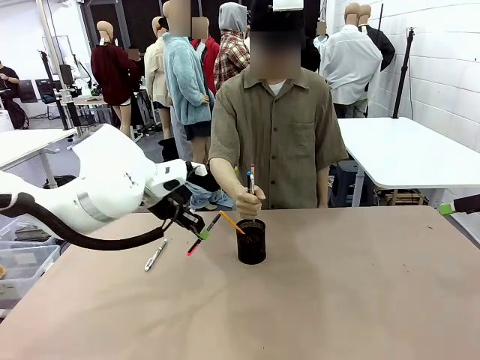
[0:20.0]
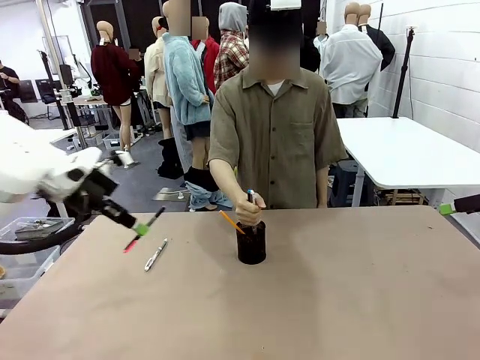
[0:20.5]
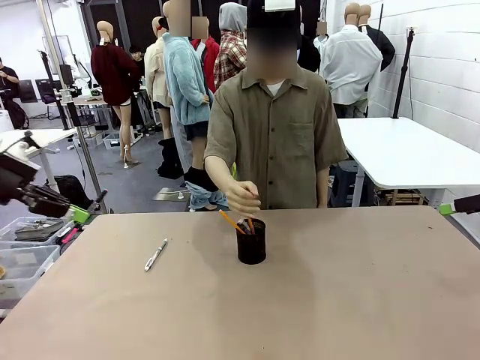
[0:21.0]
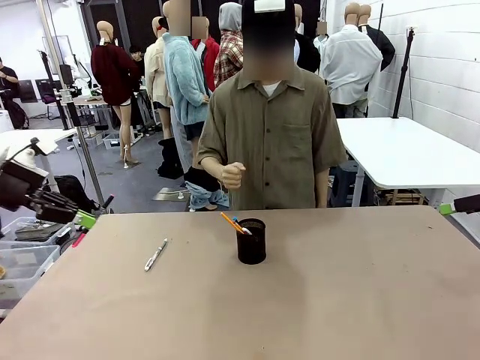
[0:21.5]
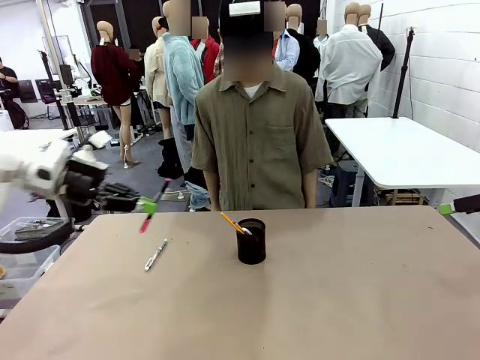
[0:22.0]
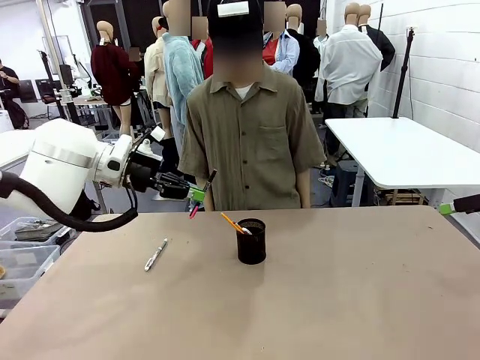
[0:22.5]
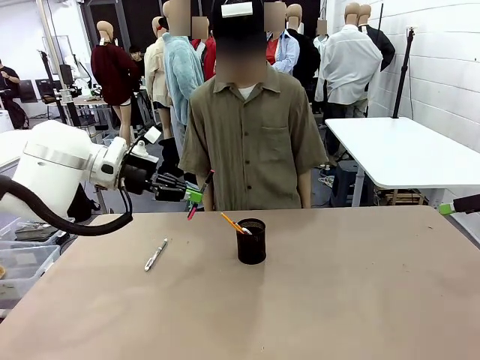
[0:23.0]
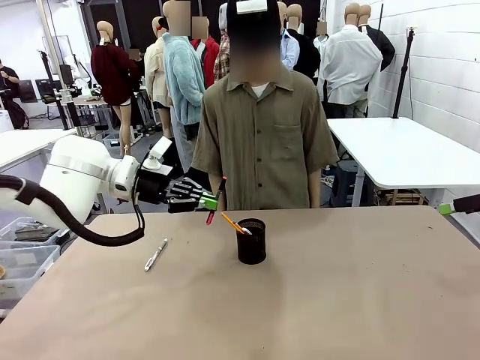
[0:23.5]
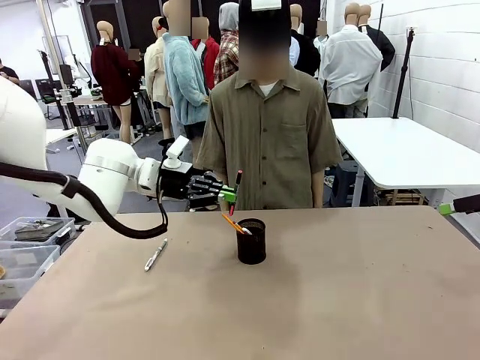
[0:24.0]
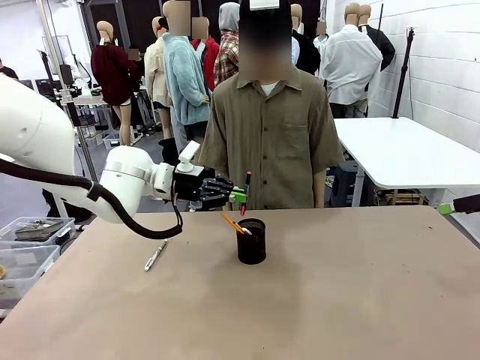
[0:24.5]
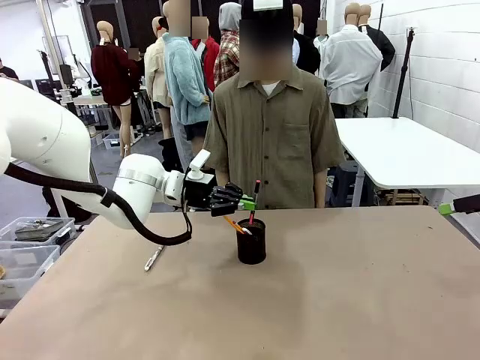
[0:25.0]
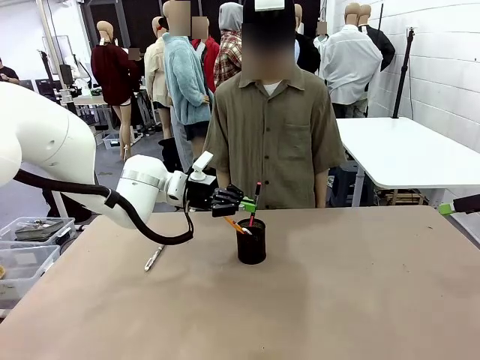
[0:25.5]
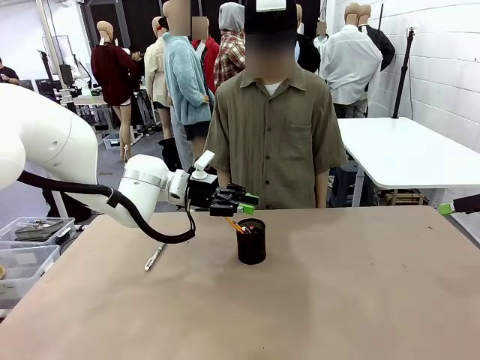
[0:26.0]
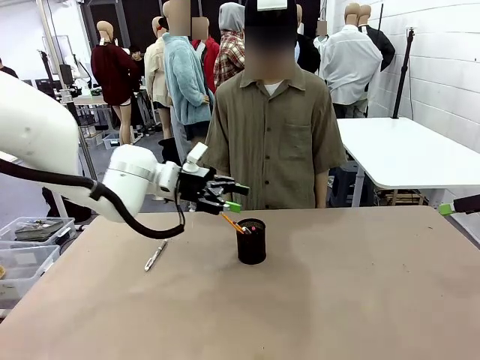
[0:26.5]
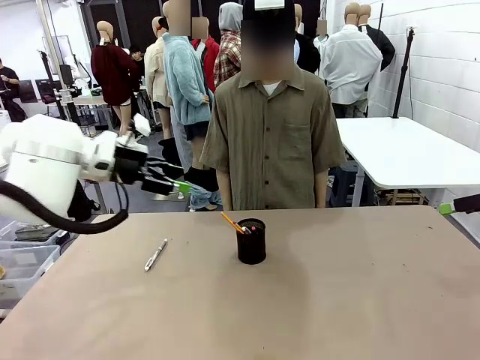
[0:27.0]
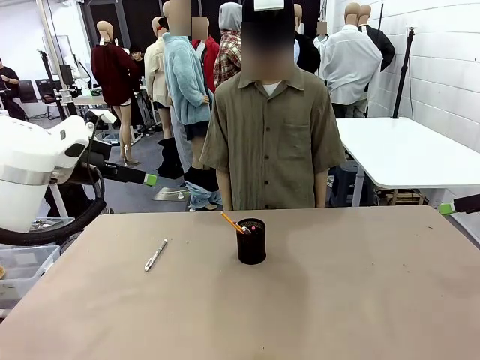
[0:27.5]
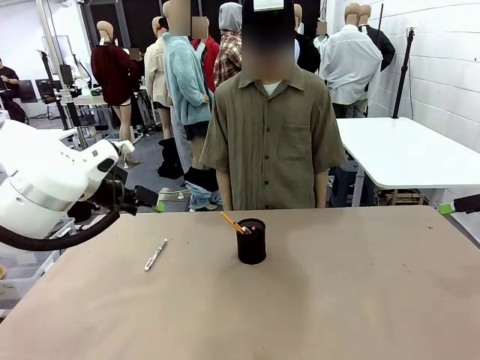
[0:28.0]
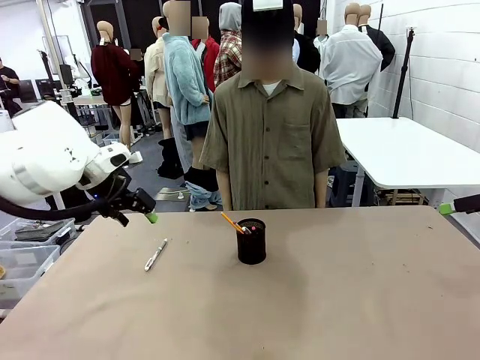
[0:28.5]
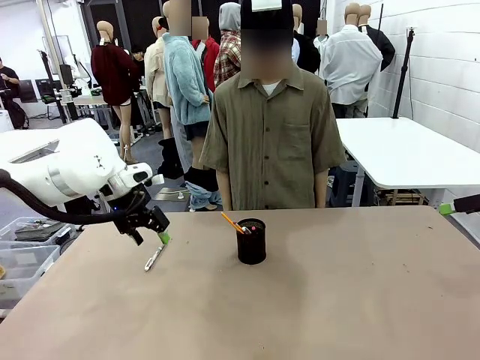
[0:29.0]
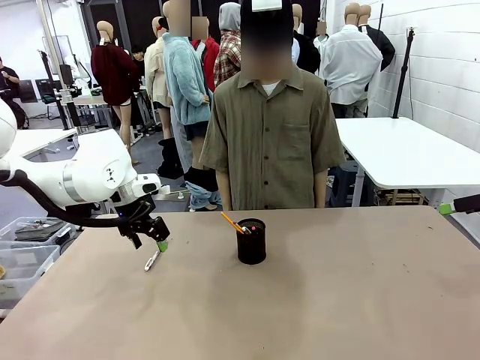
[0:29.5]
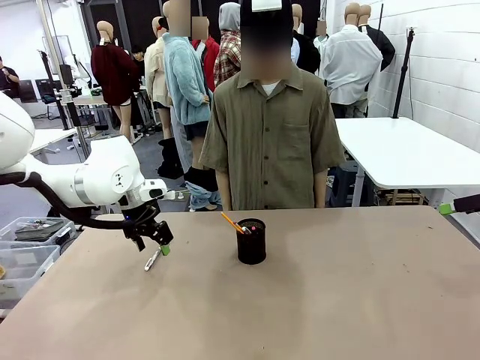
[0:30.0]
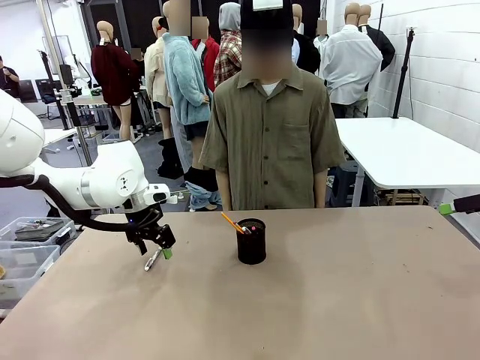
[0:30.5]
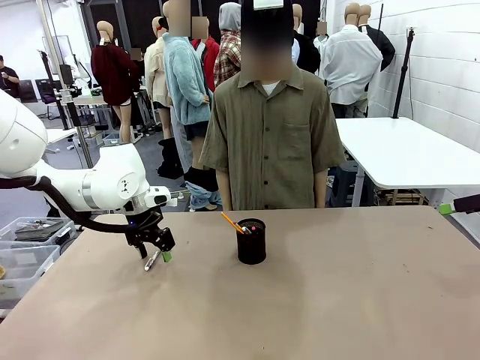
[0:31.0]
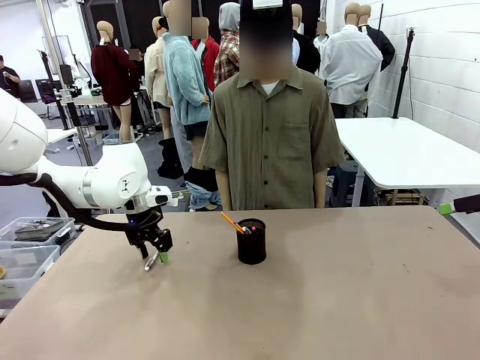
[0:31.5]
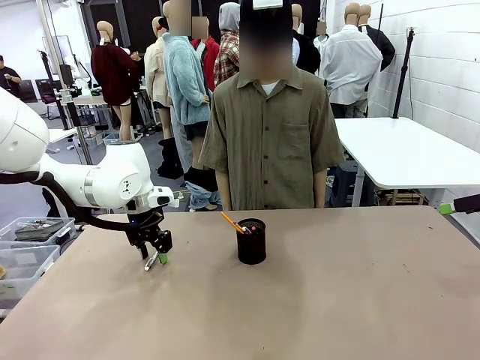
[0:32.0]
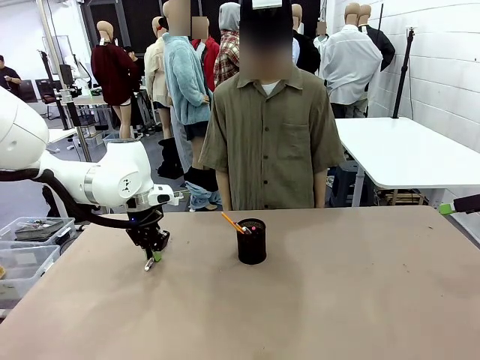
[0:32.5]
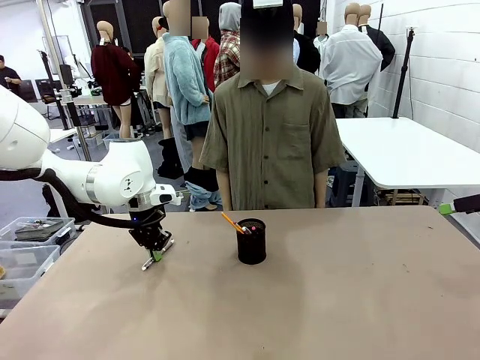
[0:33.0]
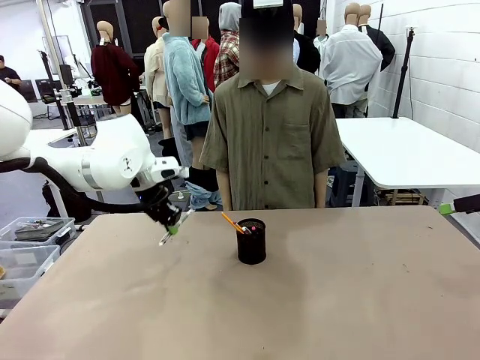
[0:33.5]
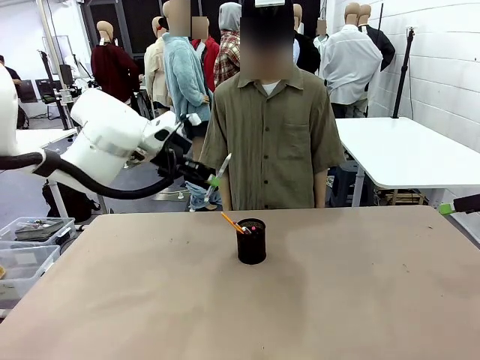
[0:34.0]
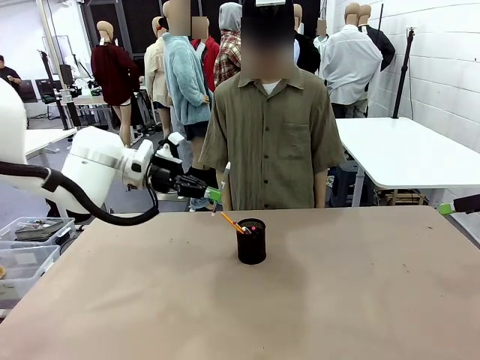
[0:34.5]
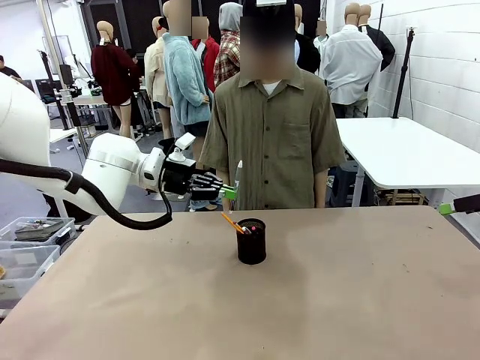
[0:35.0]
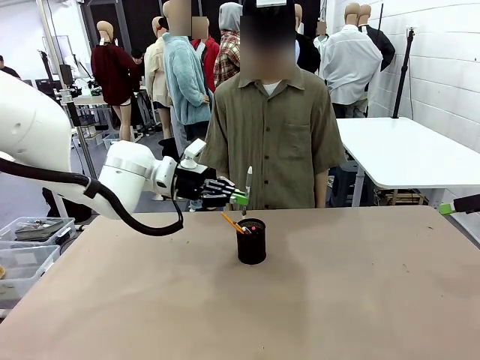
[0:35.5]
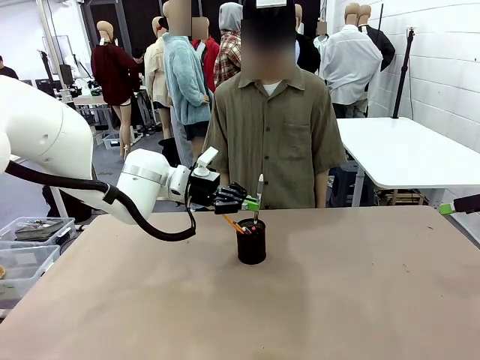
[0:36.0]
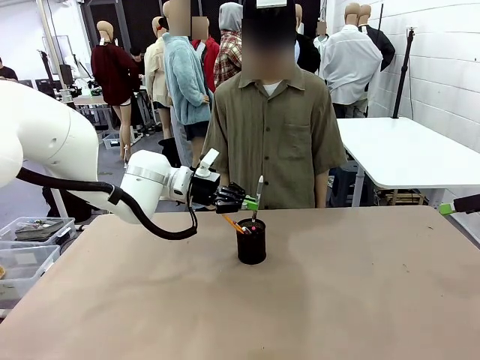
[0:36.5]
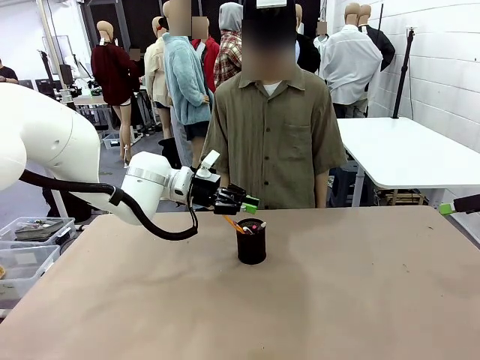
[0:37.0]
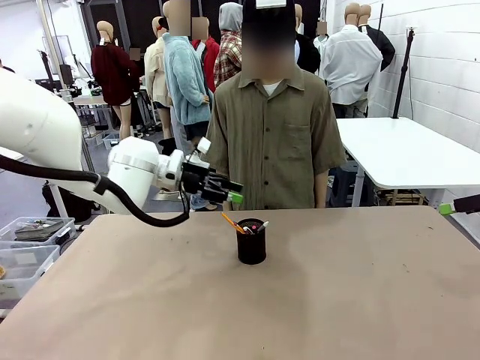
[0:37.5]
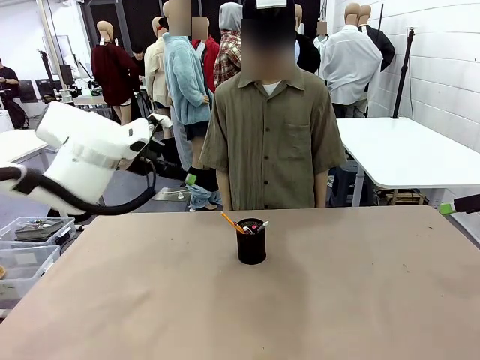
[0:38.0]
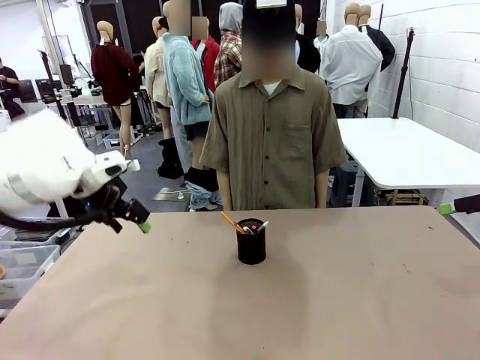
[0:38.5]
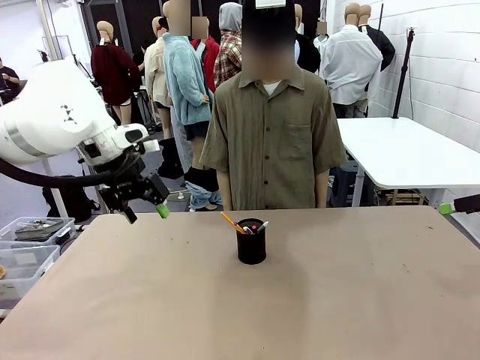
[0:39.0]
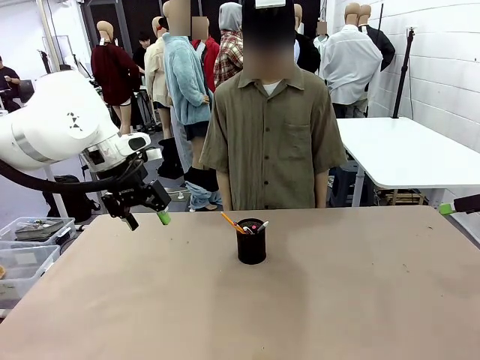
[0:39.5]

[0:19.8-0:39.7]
Task: Place the pens into the pen holder.
Robot: Pick up a writing instrument from the table and place it into the Pen holder.
Person: Place all writing instrument into the Pen holder.

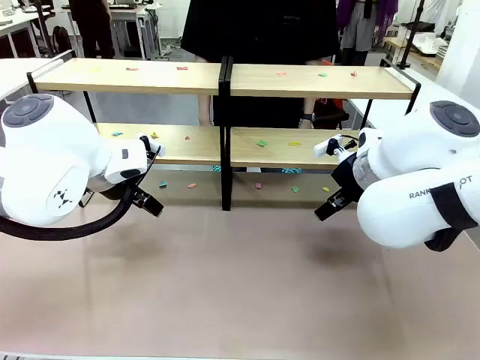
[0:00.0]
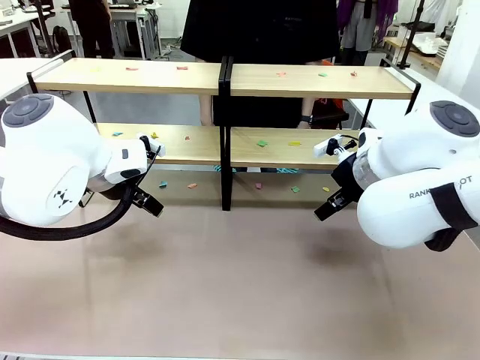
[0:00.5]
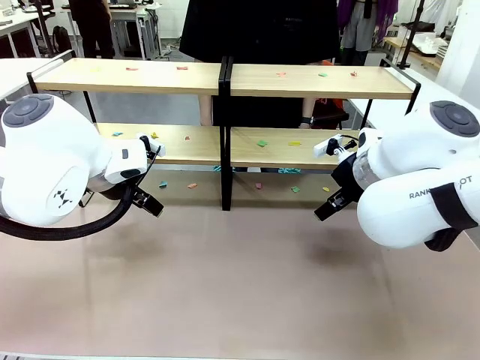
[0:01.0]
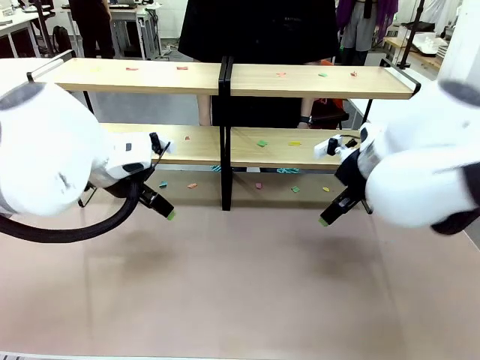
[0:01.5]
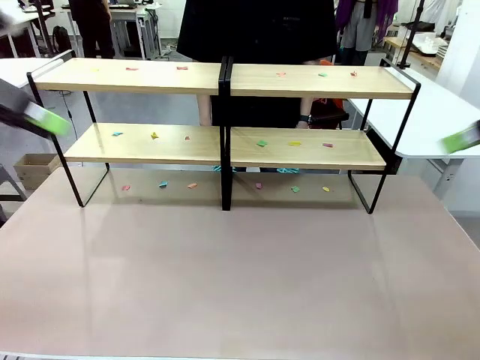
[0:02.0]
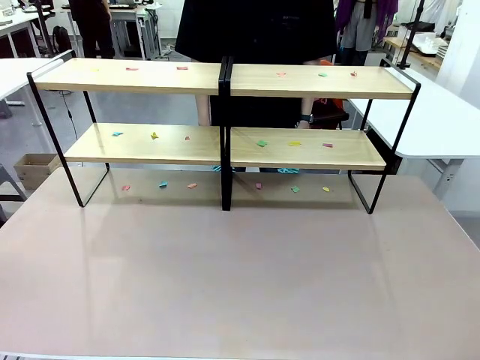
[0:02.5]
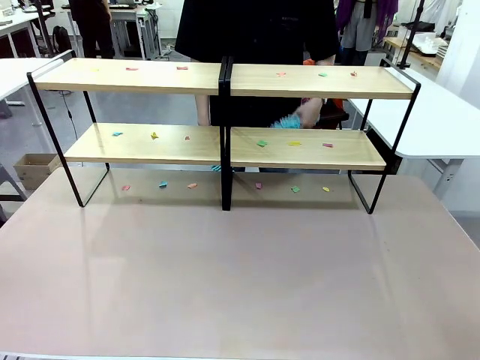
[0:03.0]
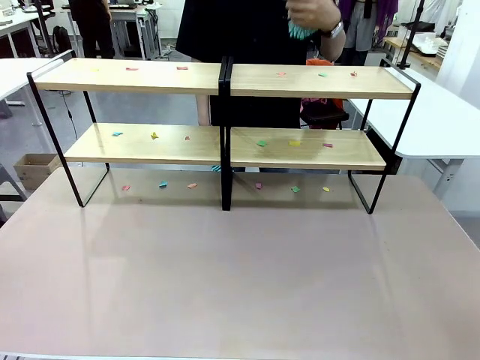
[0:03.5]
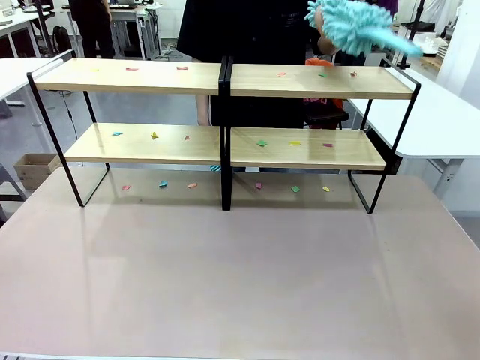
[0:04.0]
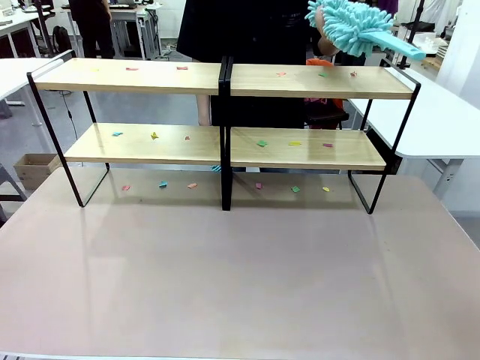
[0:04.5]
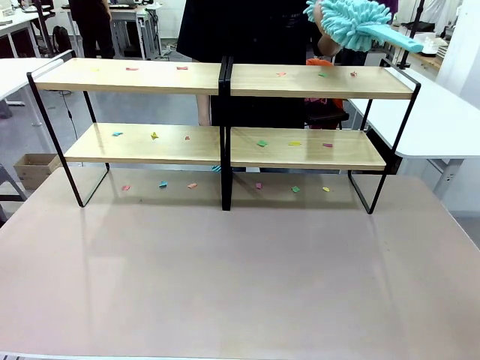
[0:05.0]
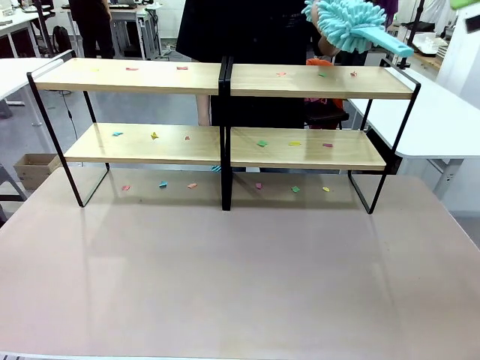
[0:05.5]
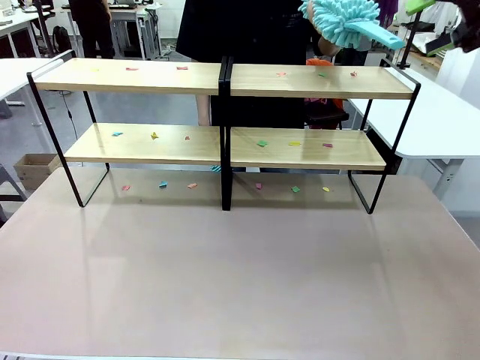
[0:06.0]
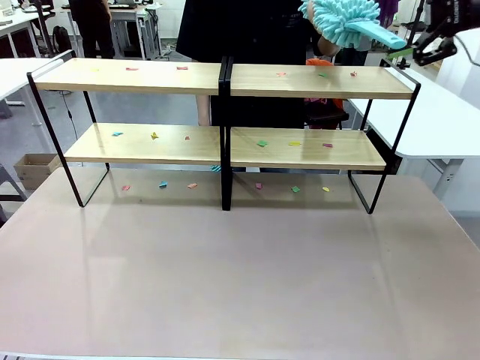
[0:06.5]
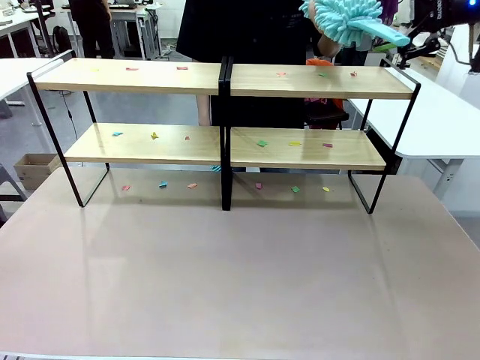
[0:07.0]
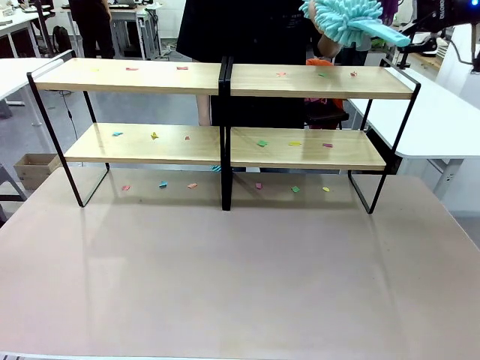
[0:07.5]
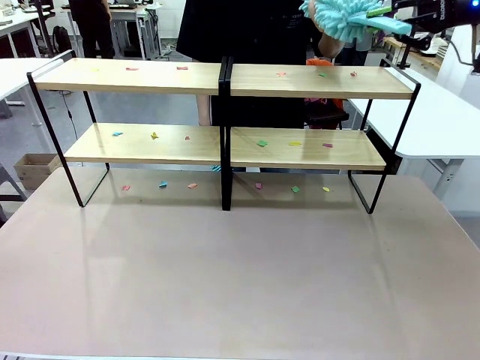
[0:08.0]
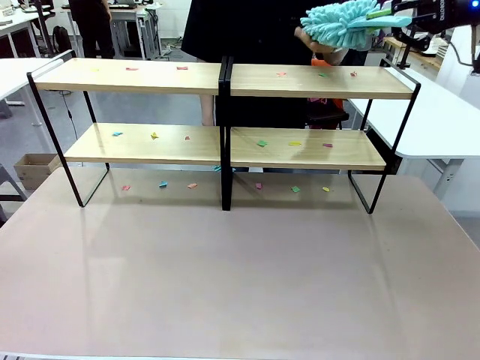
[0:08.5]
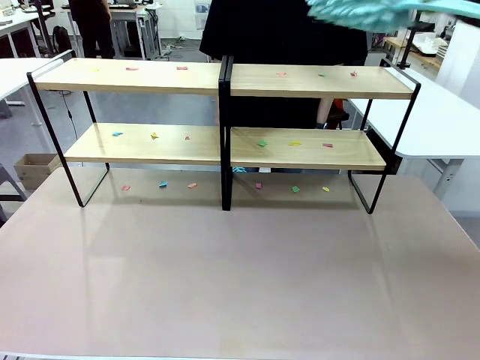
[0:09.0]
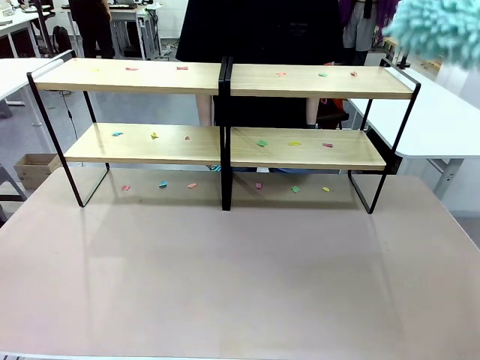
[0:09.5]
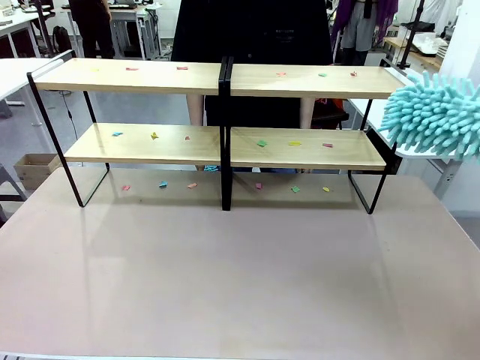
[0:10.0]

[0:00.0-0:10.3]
Task: Clean the shelves.
Robot: Pick up the Duster when the human hands it over.
Person: Hand the Duster to the robot with your right (or left) hand.
